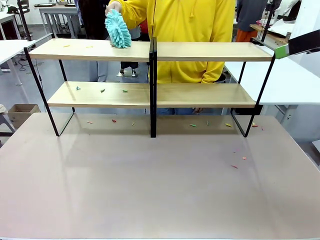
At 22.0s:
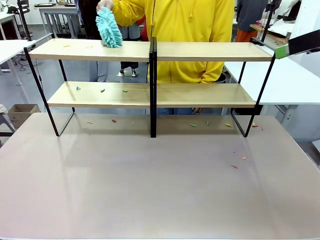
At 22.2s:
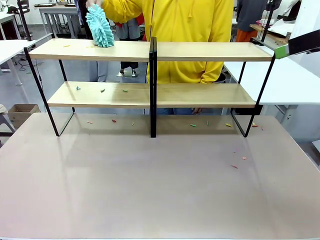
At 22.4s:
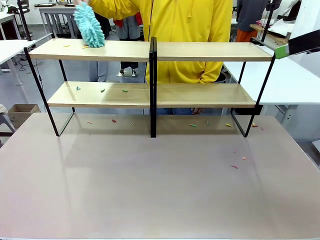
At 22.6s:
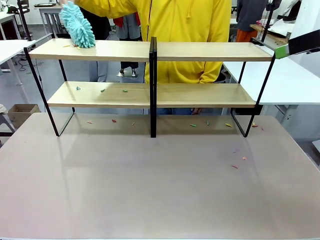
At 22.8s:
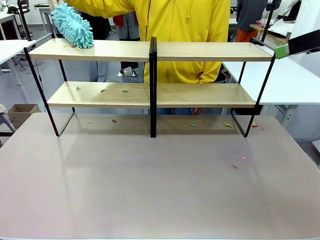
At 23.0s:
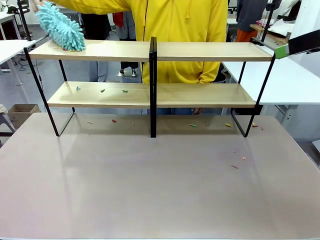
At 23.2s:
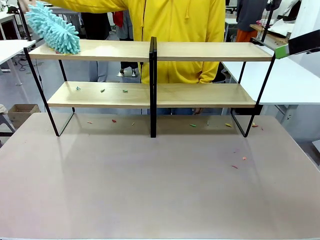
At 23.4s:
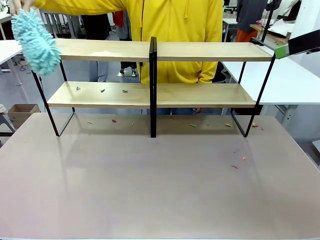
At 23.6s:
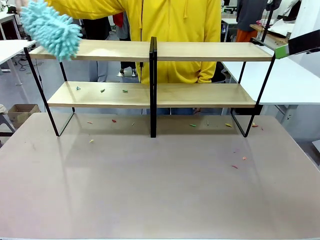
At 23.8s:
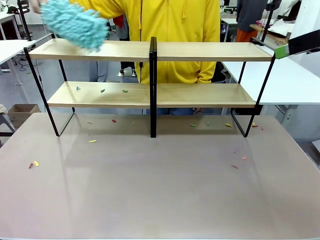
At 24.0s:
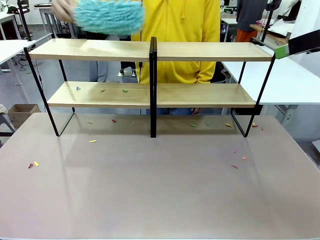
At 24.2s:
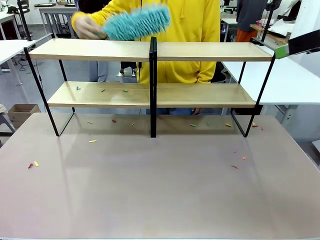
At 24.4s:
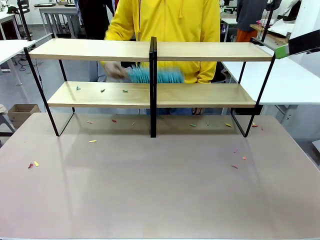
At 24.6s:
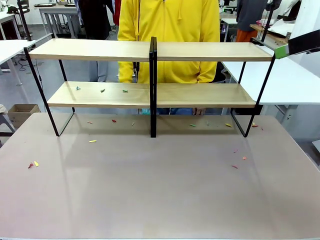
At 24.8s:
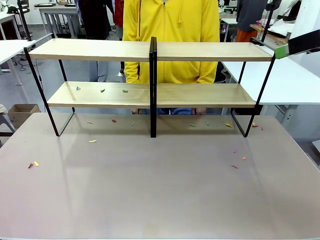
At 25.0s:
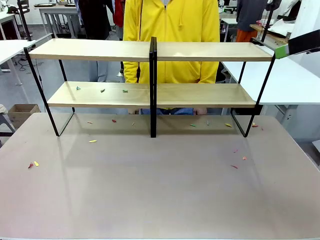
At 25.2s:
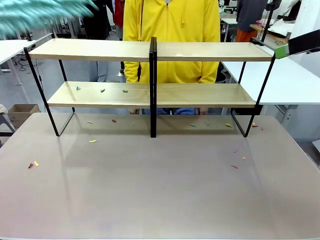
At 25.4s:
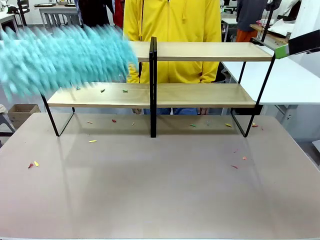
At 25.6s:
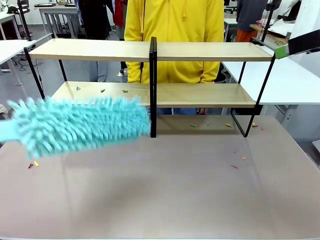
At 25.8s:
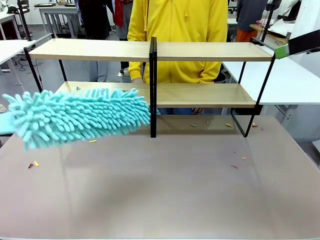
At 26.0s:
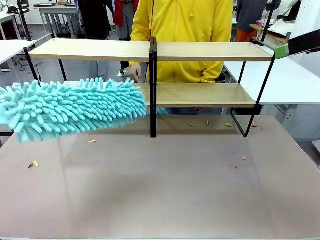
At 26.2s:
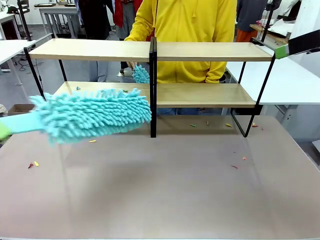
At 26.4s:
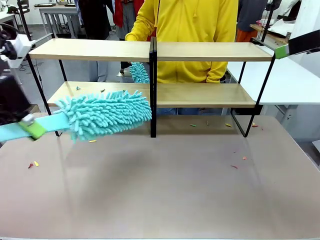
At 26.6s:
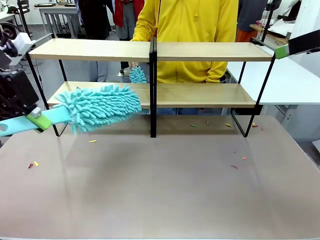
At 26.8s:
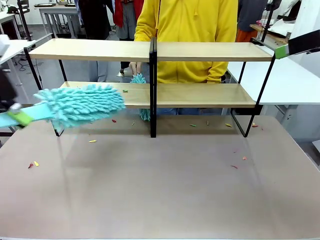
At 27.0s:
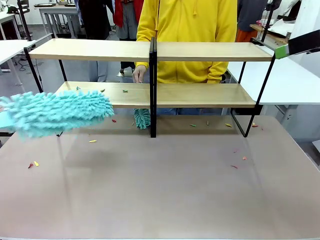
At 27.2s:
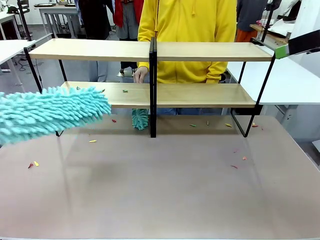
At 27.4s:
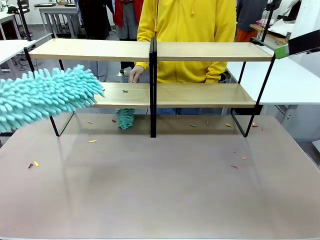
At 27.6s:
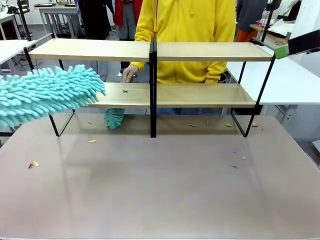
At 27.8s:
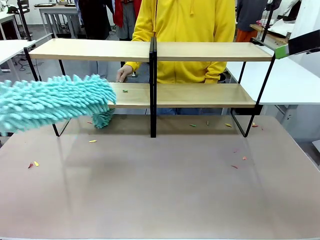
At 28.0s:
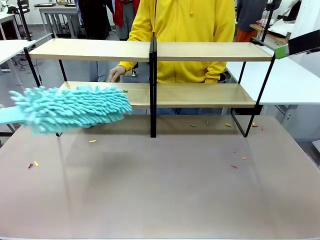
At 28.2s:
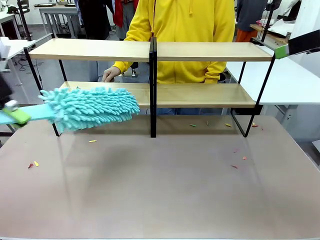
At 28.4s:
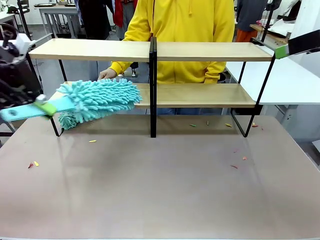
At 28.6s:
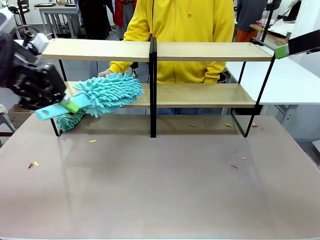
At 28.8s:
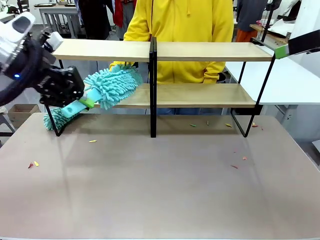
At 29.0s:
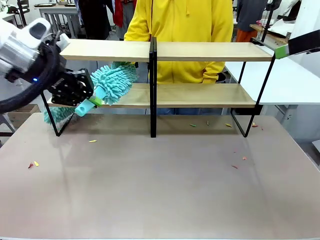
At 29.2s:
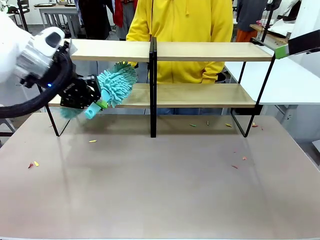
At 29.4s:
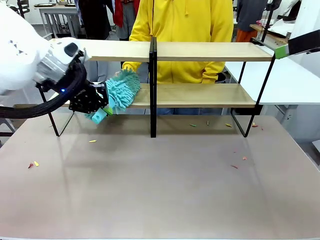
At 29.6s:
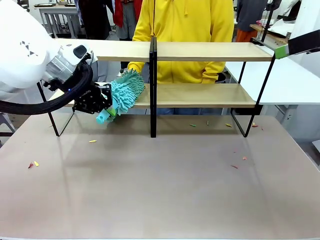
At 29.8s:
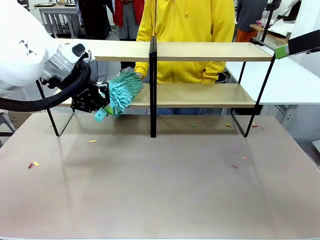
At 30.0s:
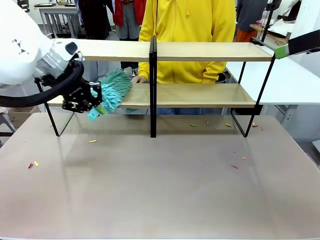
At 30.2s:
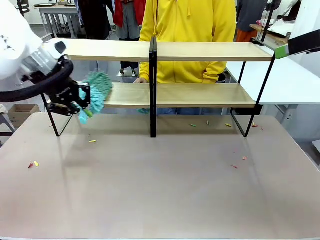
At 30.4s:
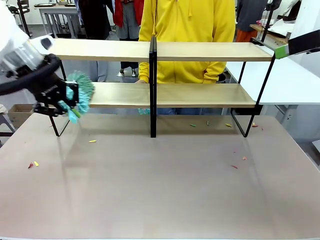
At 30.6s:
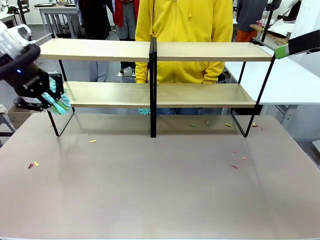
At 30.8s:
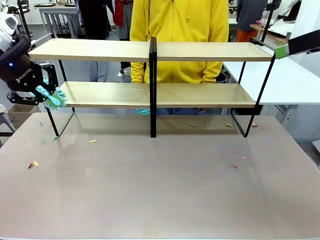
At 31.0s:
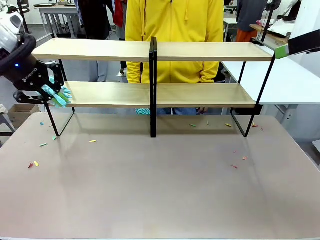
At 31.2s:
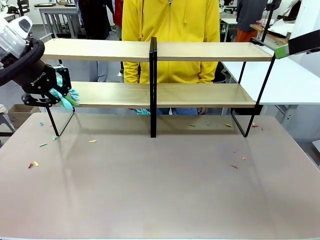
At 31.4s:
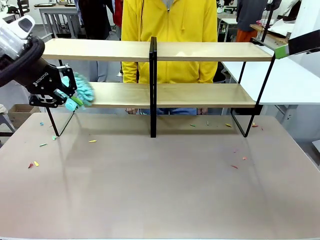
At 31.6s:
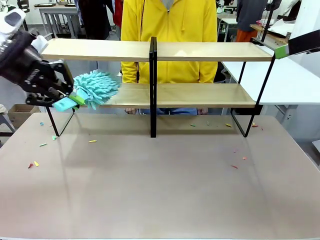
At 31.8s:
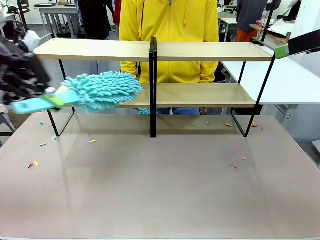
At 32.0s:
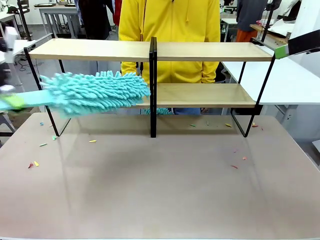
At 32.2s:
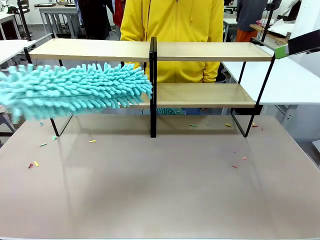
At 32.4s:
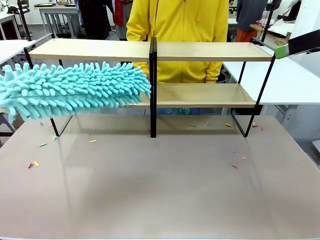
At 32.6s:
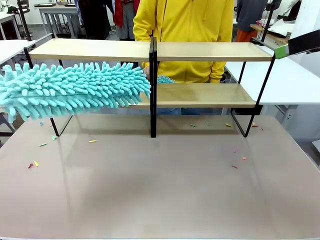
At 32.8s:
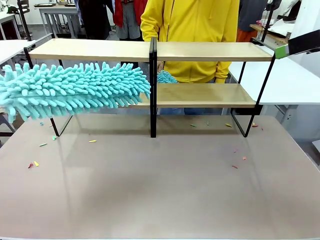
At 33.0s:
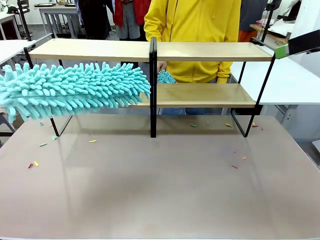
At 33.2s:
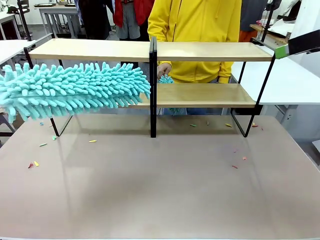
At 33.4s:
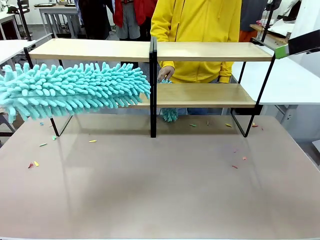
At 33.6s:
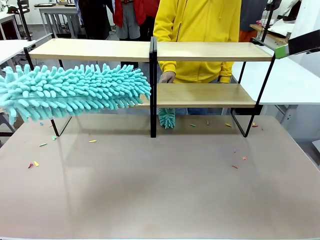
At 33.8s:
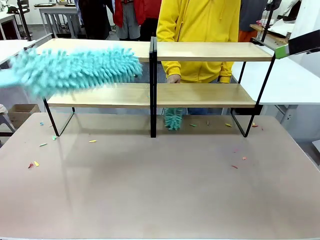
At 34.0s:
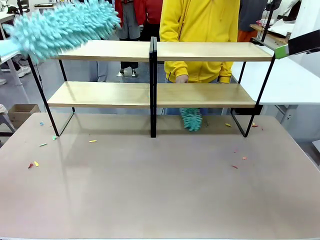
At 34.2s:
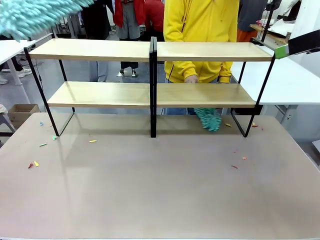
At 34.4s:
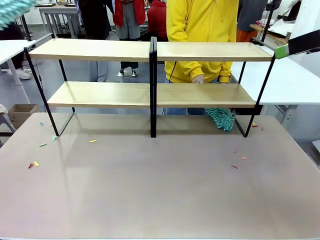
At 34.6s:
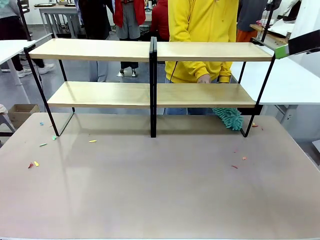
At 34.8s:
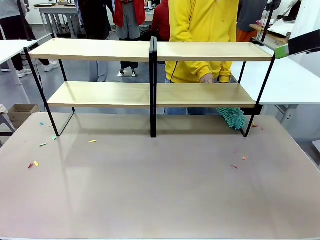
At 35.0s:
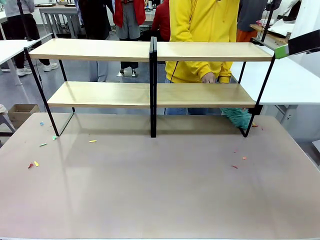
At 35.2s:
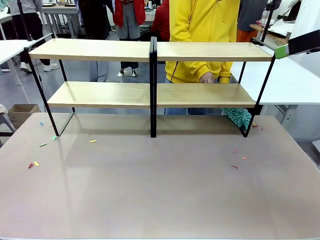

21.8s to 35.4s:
Task: Clean the shelves.
Robot: Clean another randomly selected level of the Shelf with the Duster.

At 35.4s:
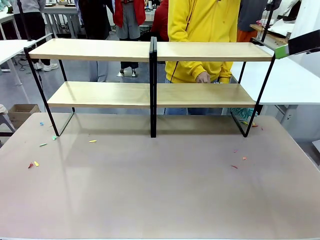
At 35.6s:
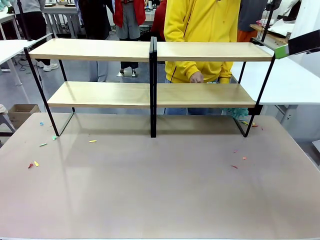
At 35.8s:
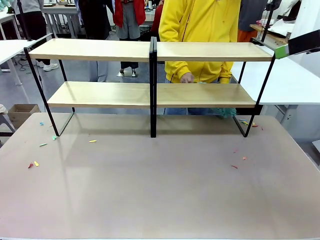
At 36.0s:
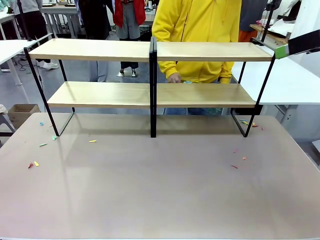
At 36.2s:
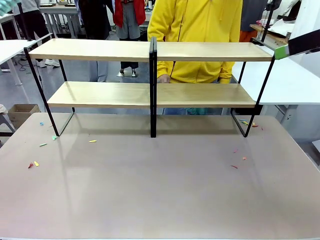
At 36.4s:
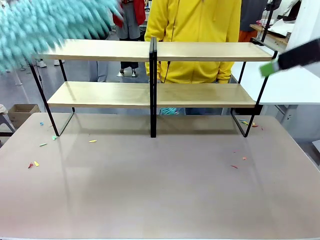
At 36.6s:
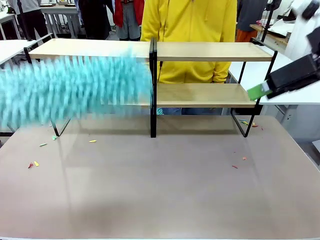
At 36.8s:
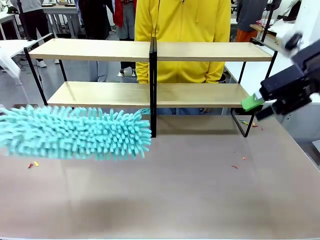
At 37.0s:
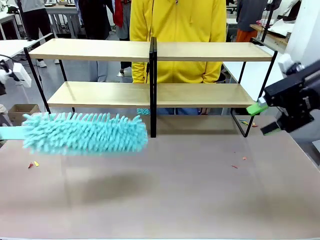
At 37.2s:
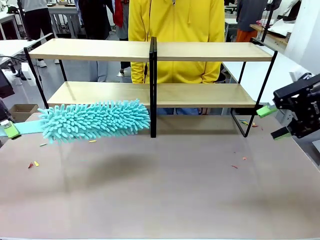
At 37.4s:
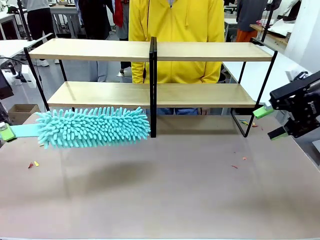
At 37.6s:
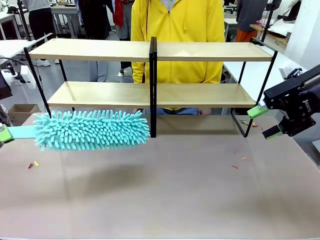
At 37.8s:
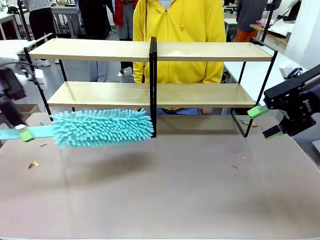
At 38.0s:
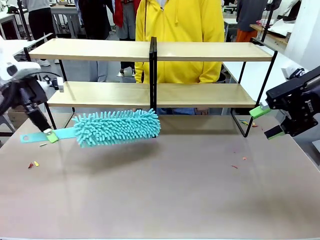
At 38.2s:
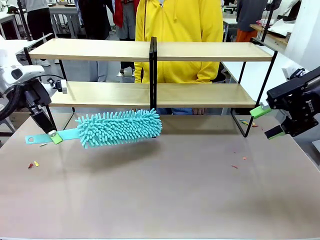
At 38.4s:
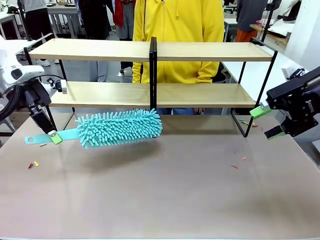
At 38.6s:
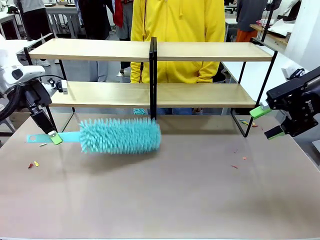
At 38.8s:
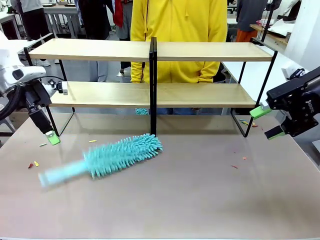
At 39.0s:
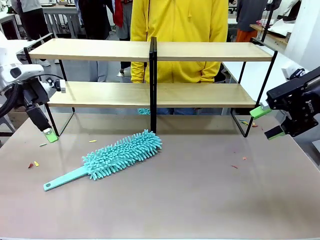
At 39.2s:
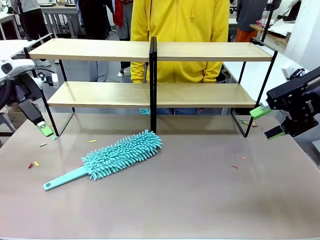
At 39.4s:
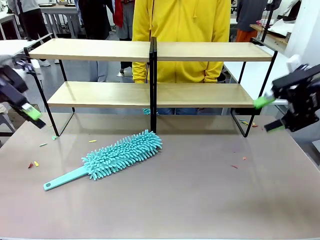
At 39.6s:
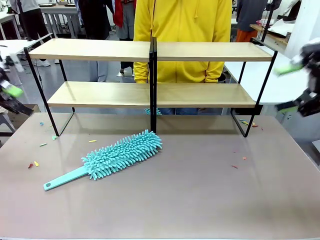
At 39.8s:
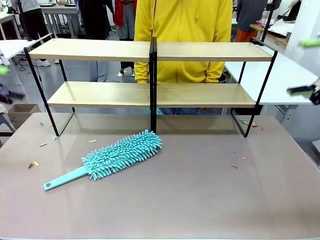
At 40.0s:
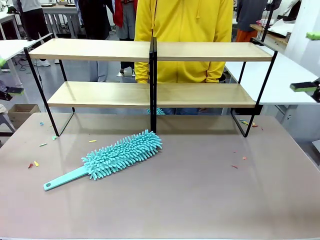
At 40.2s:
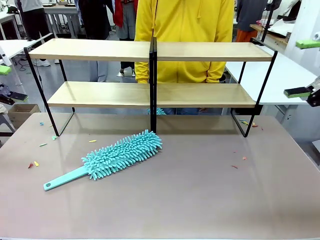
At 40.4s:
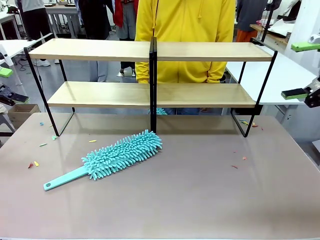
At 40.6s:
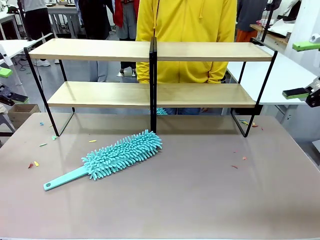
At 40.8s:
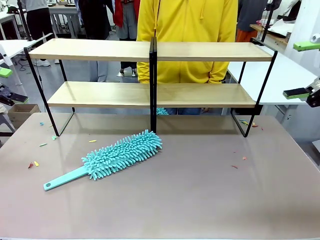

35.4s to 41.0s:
Robot: Place the Duster on the table.
